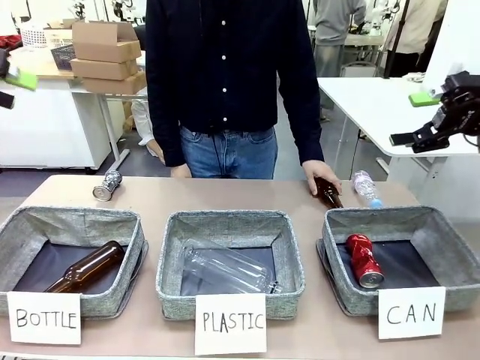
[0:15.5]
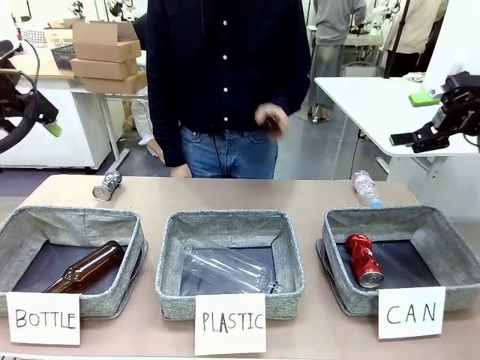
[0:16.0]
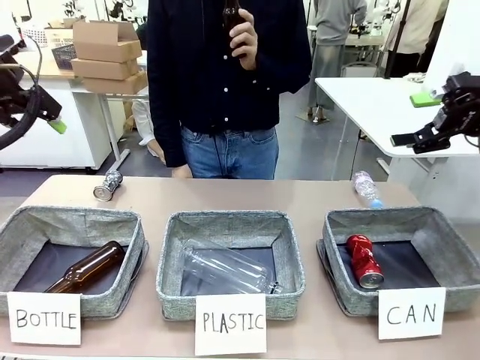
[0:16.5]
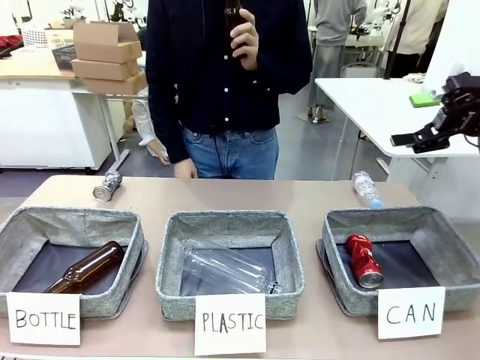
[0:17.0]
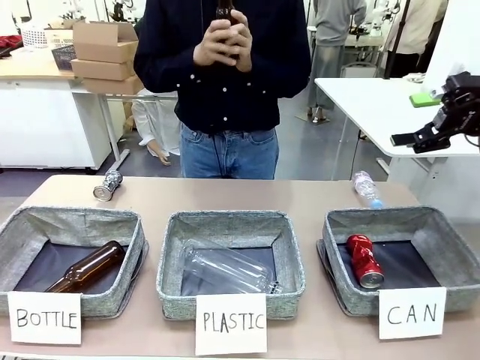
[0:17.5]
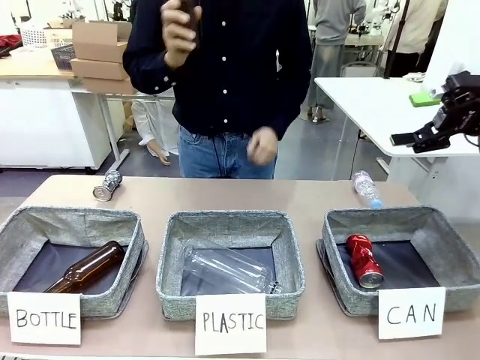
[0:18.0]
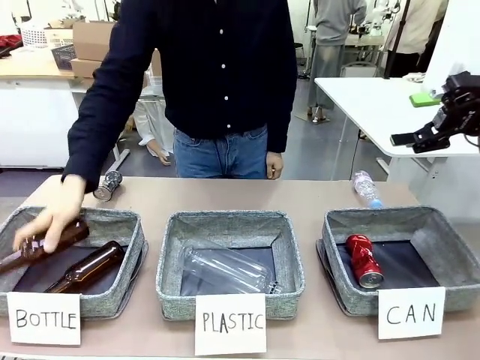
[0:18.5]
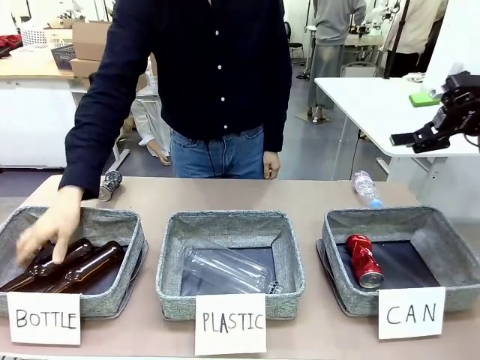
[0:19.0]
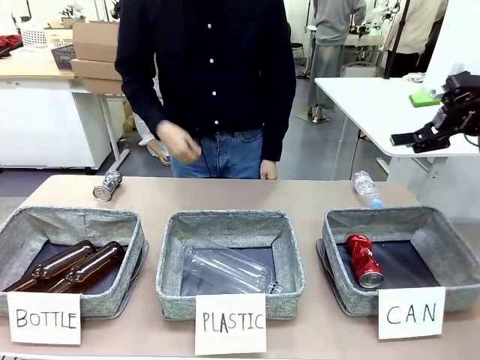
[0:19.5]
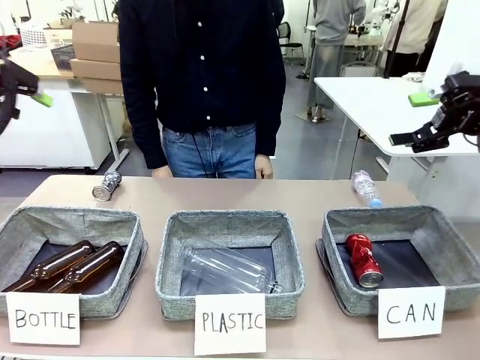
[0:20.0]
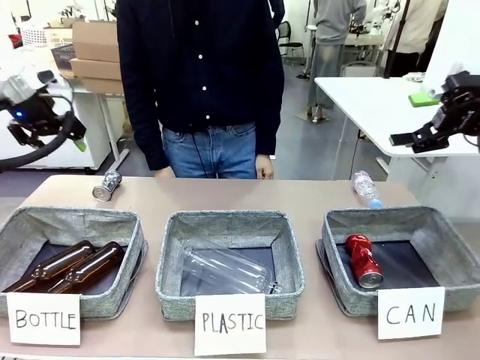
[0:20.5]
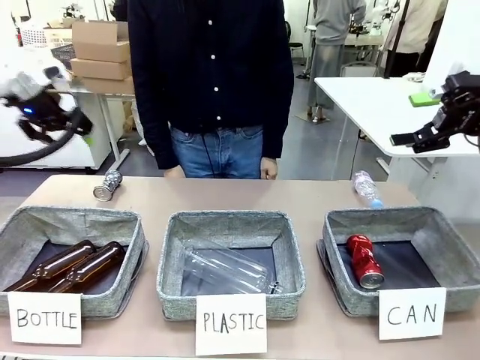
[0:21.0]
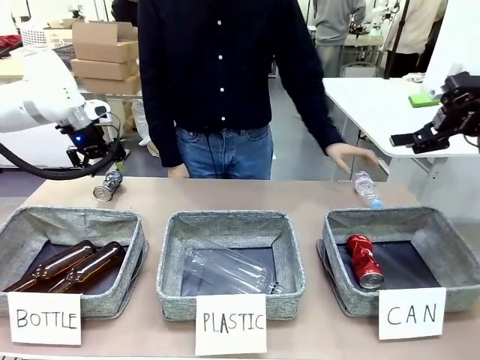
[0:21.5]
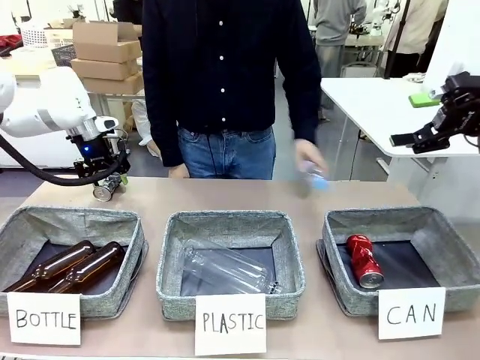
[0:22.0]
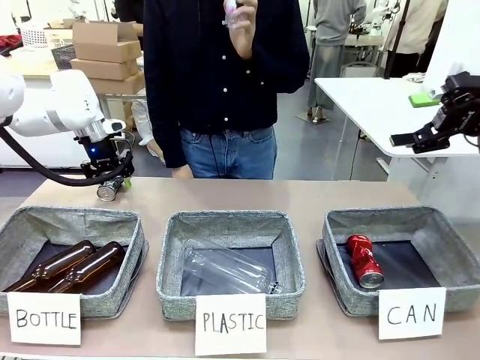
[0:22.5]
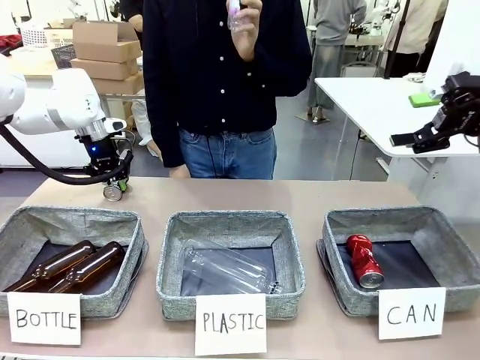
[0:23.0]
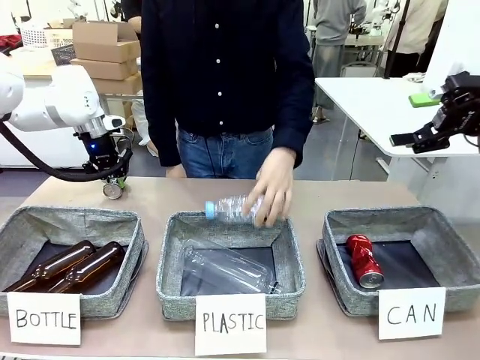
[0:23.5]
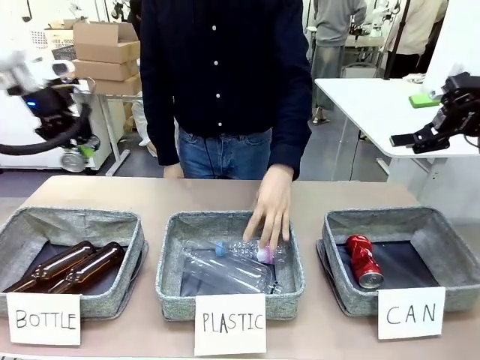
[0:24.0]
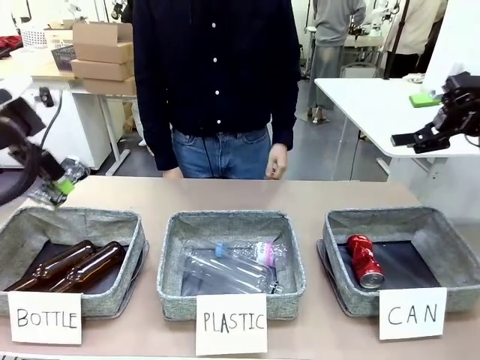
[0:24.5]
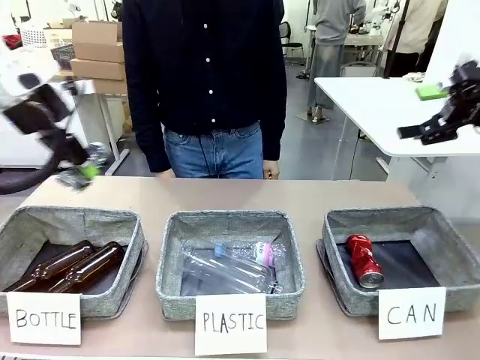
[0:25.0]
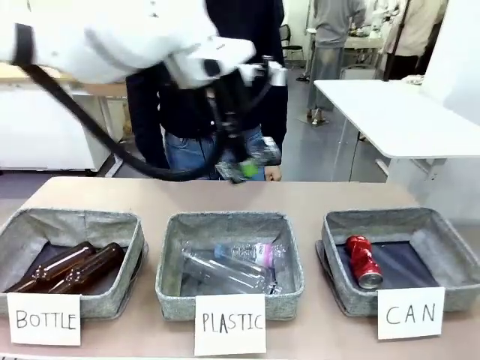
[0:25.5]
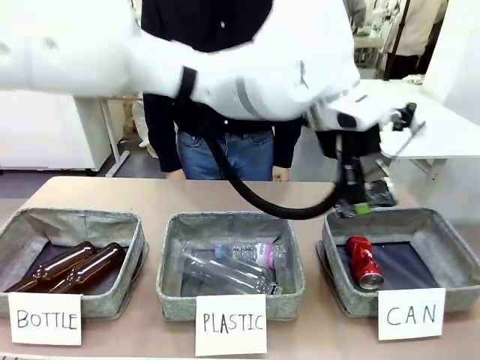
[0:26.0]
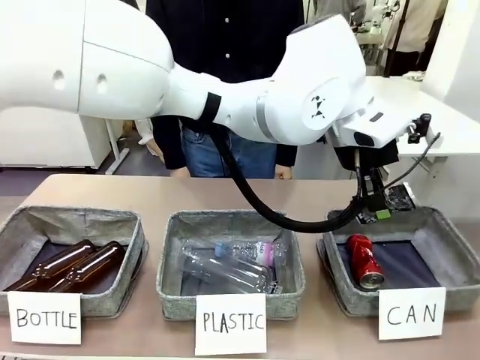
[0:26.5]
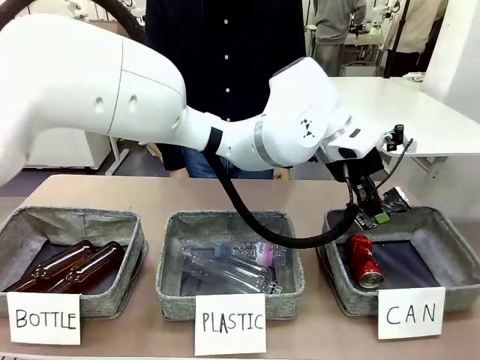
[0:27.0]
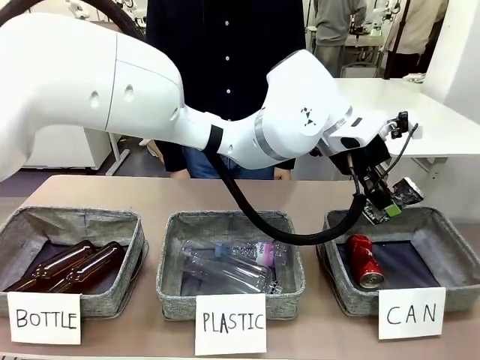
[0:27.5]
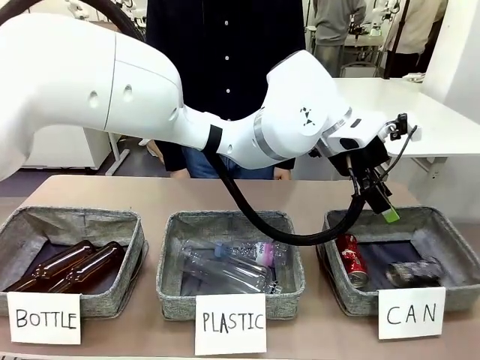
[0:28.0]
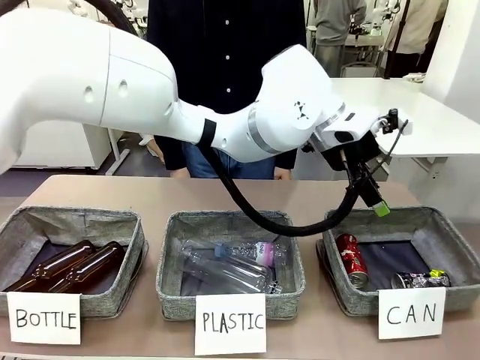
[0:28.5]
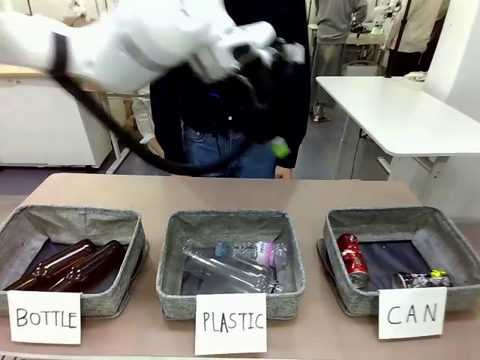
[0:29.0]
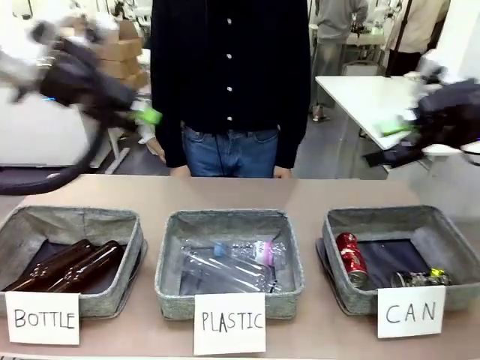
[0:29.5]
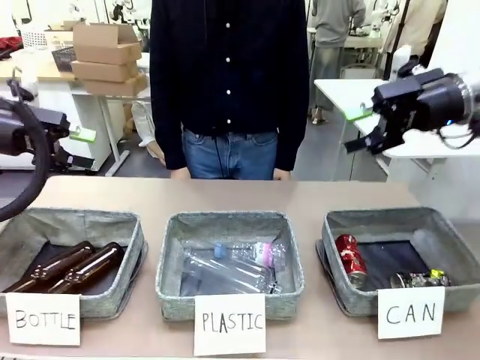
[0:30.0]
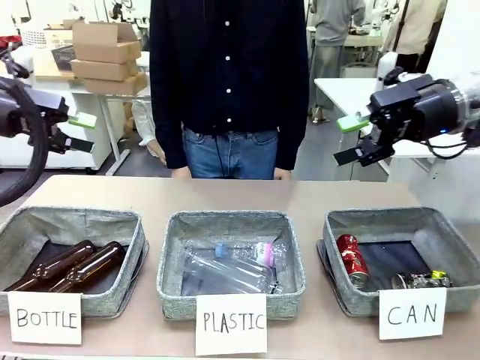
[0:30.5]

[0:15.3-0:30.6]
Task: Sort the can waste into the basket.
Robot: Pick up the can waste from the table and place it in the right Fabric basket.

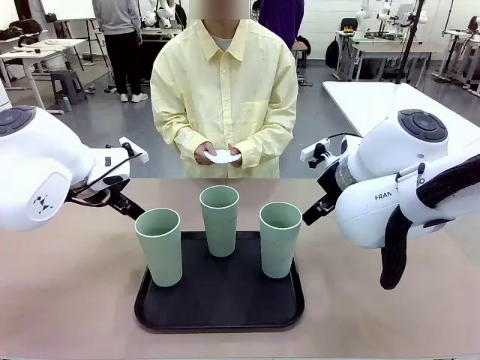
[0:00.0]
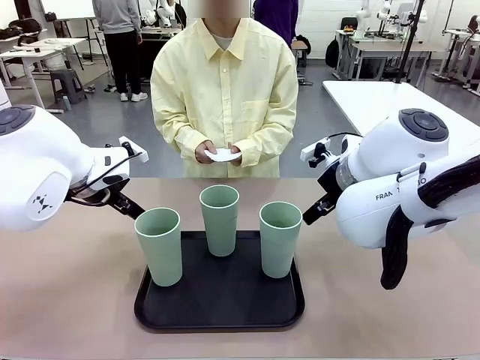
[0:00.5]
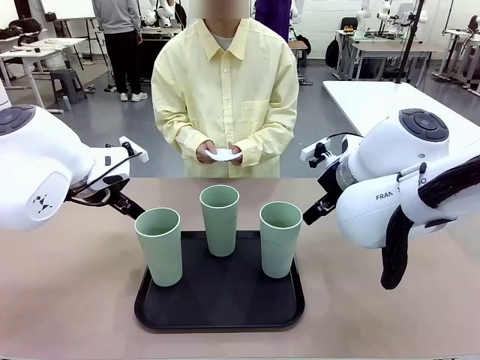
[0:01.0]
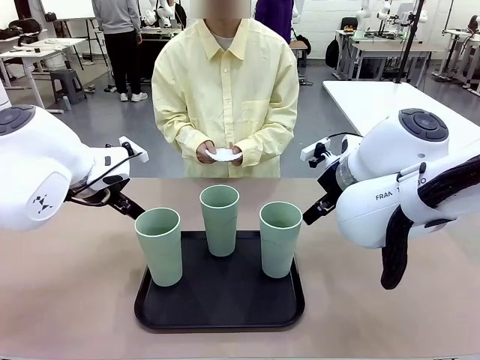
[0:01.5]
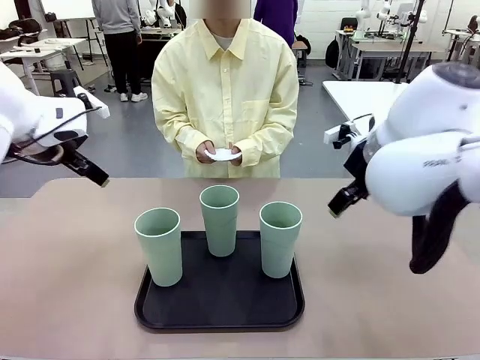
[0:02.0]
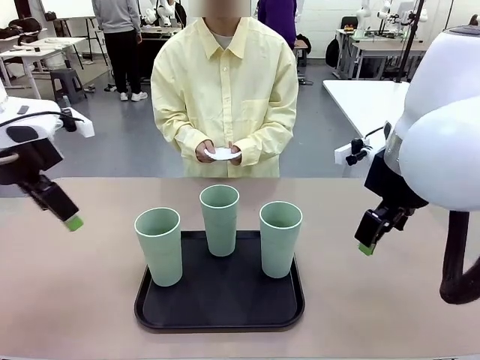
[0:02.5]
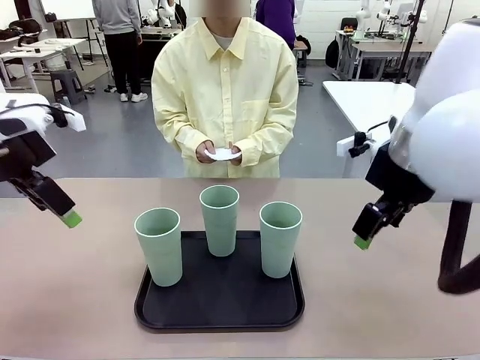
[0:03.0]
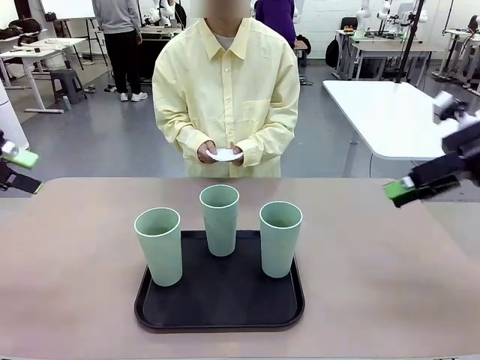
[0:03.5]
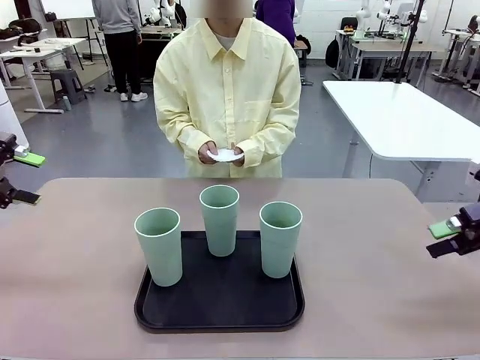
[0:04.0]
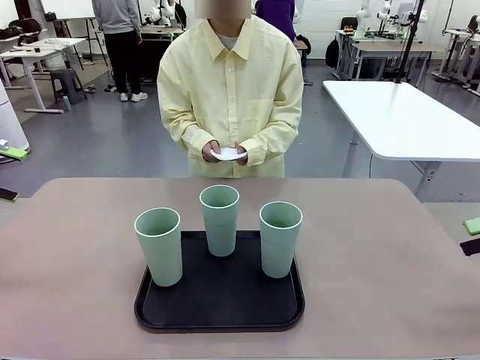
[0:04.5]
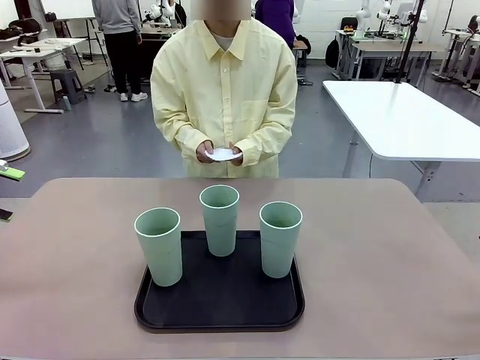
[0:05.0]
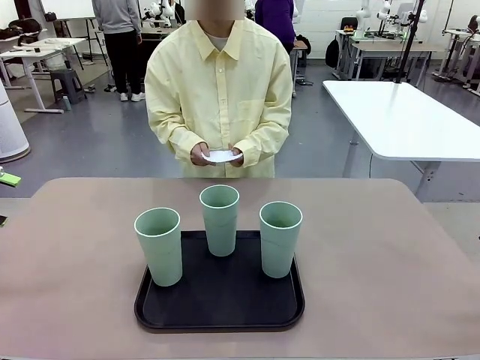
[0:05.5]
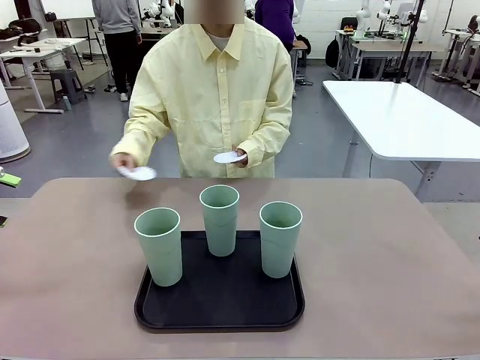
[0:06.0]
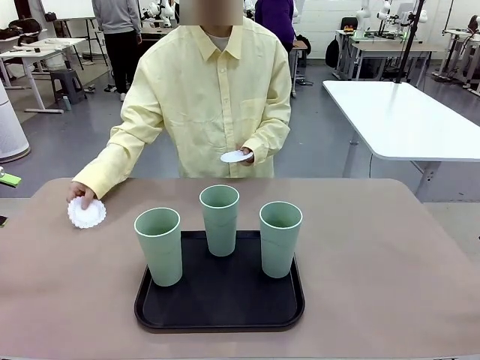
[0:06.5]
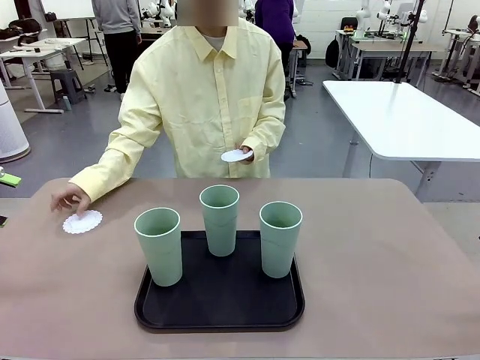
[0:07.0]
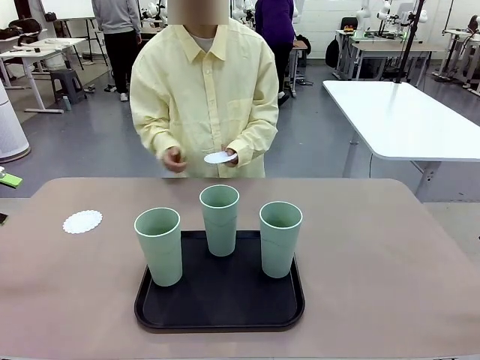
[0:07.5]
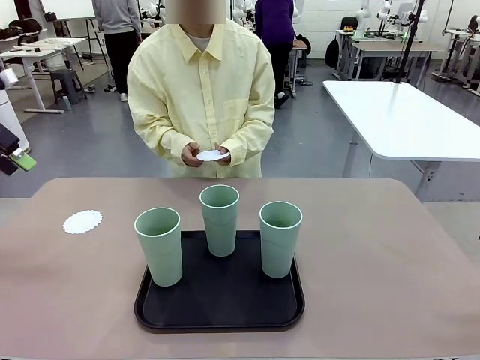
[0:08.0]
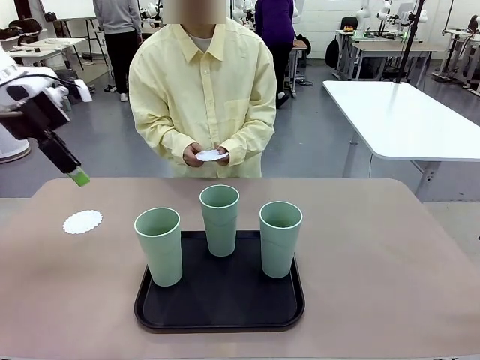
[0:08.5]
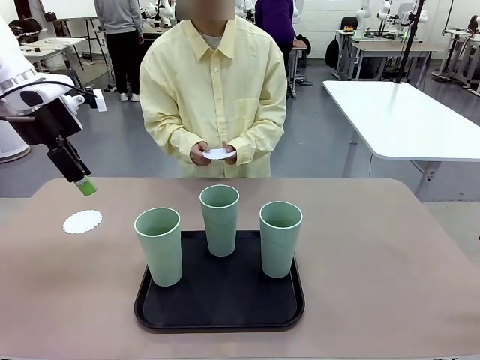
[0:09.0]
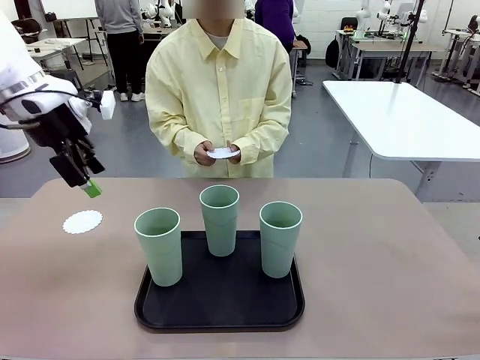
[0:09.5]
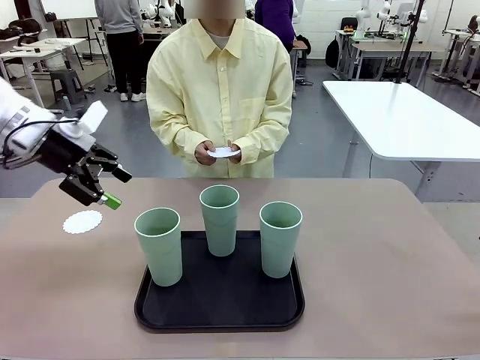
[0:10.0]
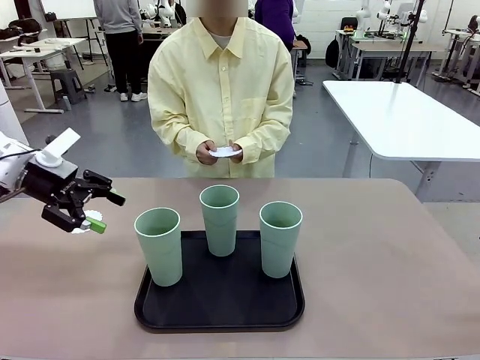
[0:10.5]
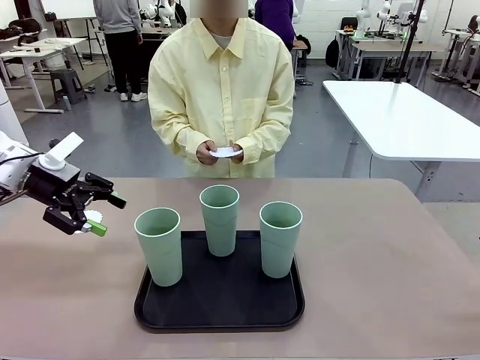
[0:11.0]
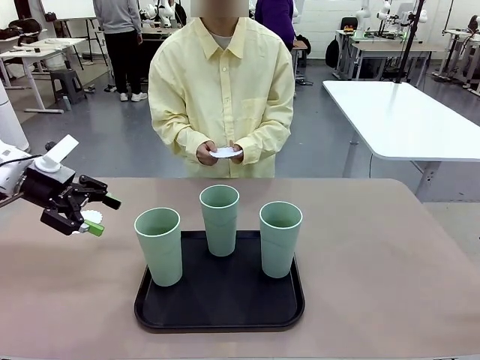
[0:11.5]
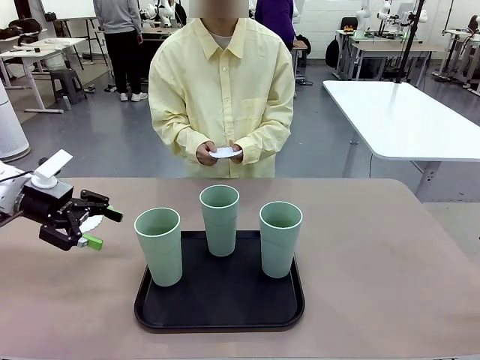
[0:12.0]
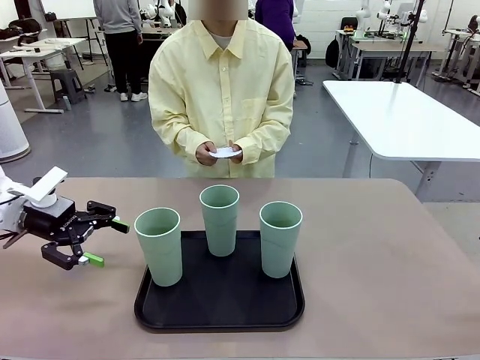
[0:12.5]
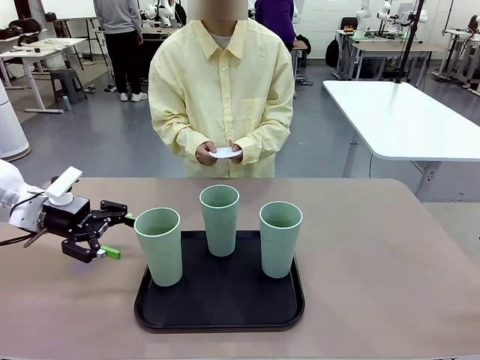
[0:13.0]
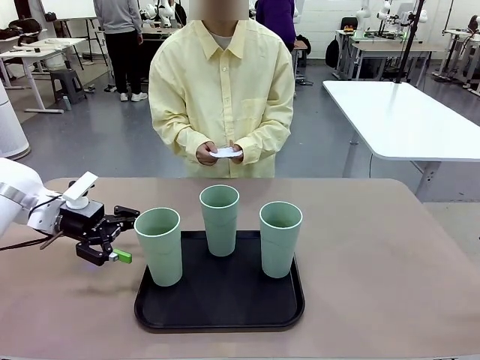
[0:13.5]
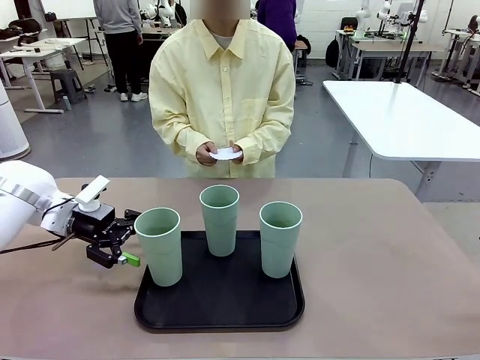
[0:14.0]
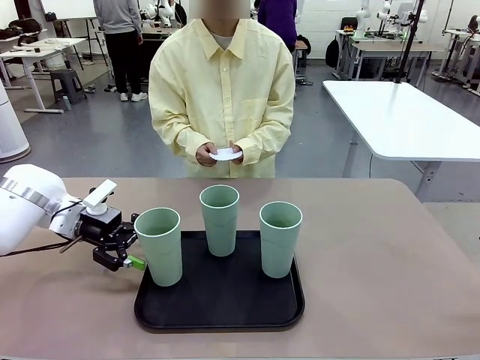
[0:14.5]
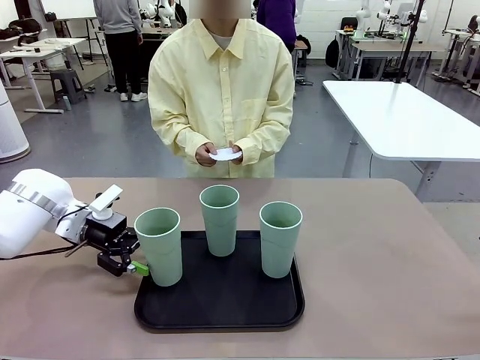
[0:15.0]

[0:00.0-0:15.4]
Task: Place coasters on the table and set cups on them.
Robot: Pick up one Reusable plastic cup and place it on a coaster set by the human.
Person: Place one coaster in any one of the three lower areas of the robot table (left, center, or right).
